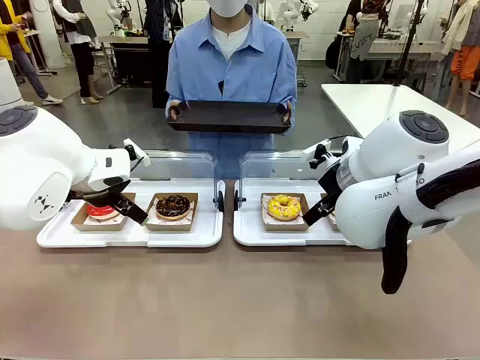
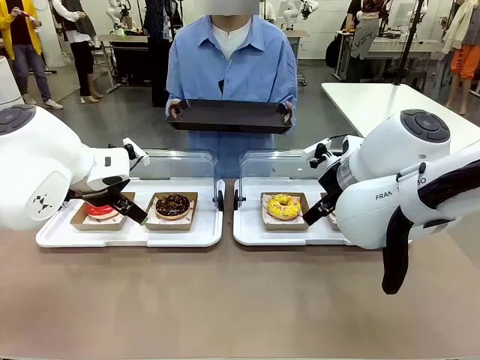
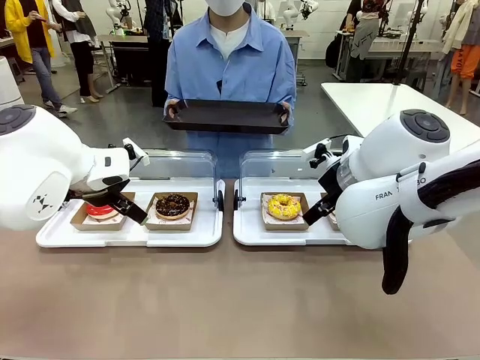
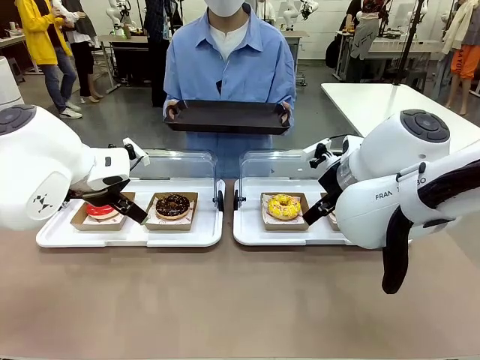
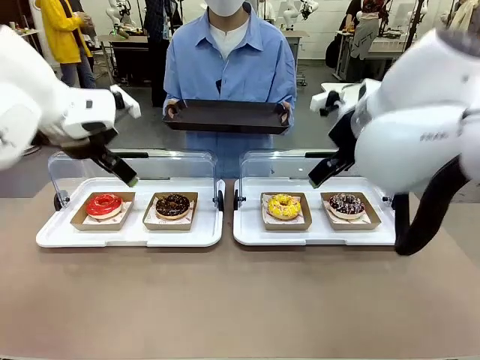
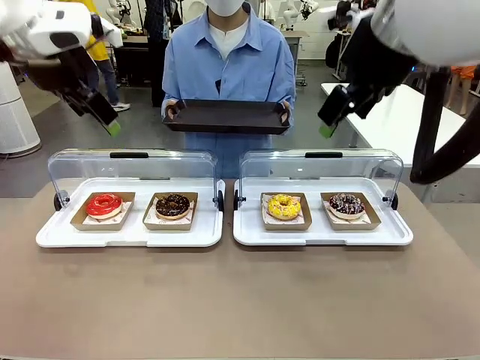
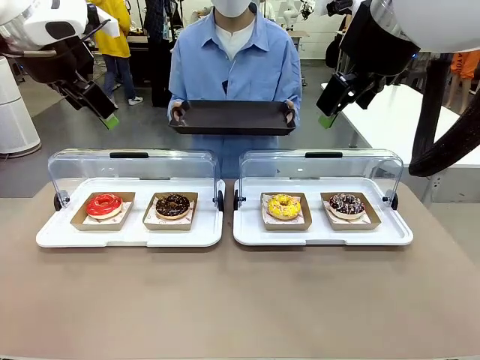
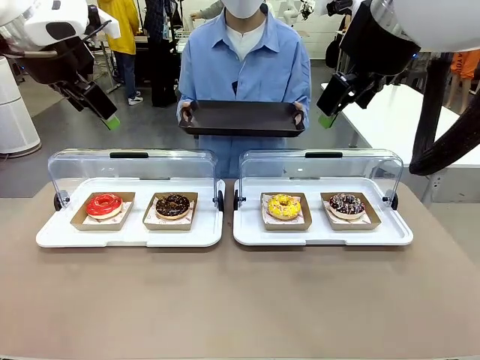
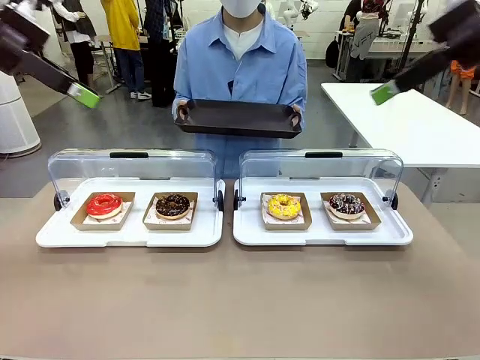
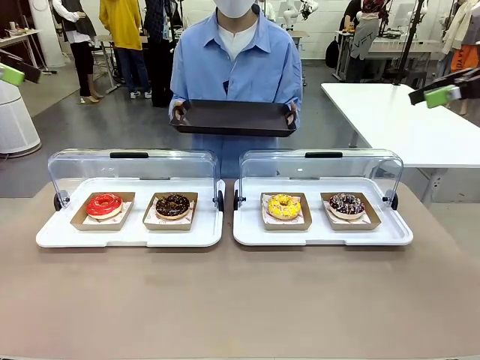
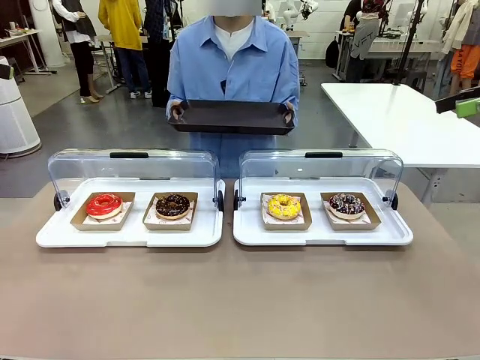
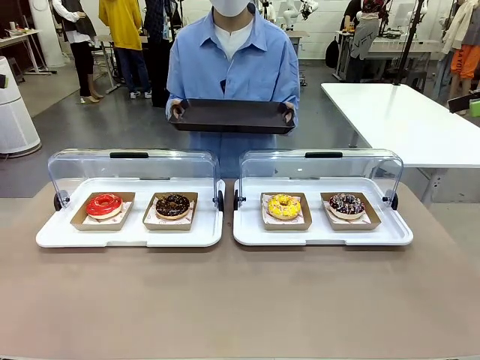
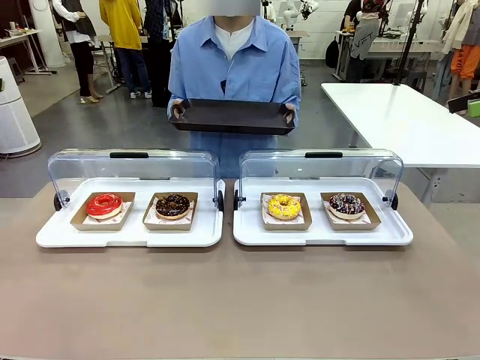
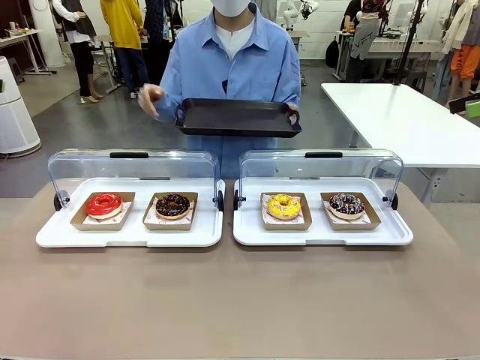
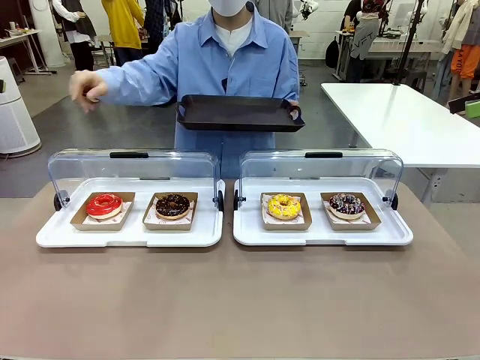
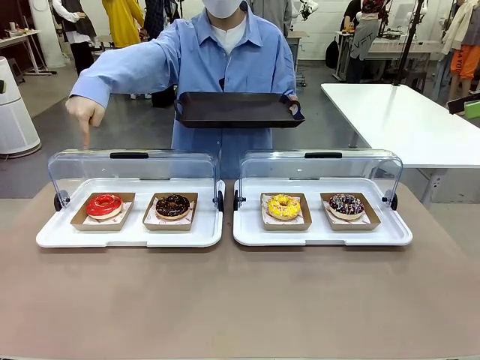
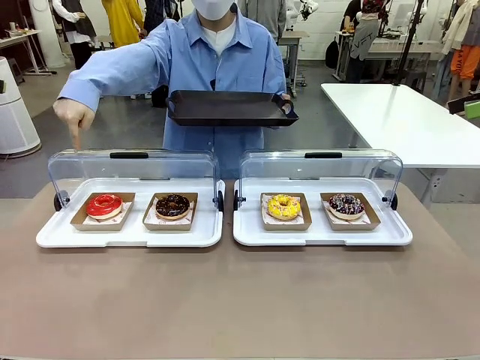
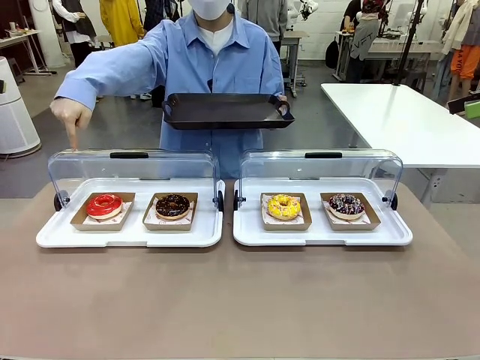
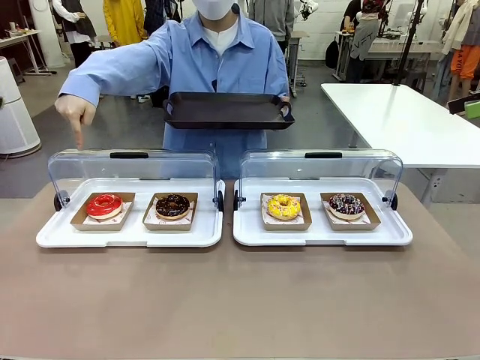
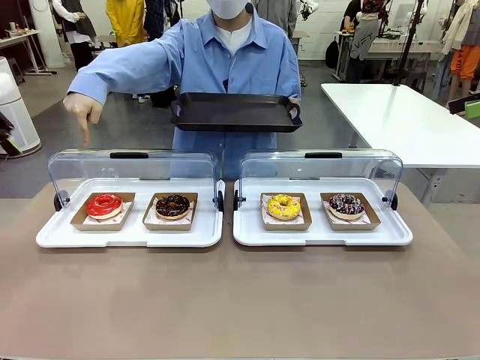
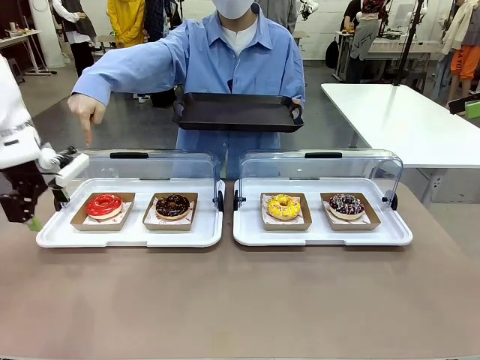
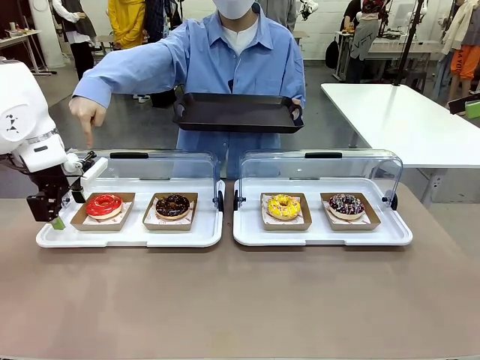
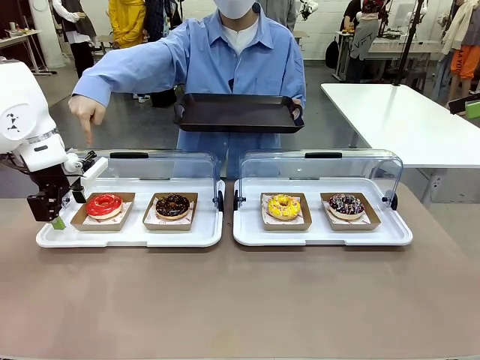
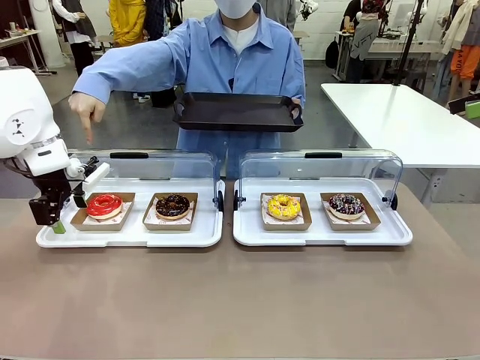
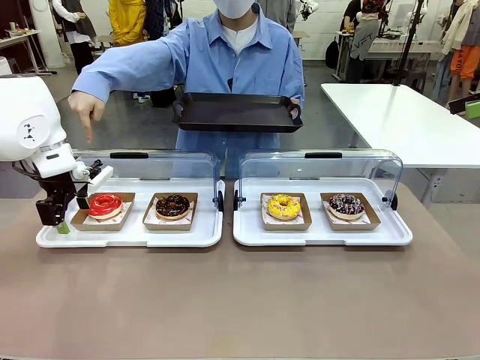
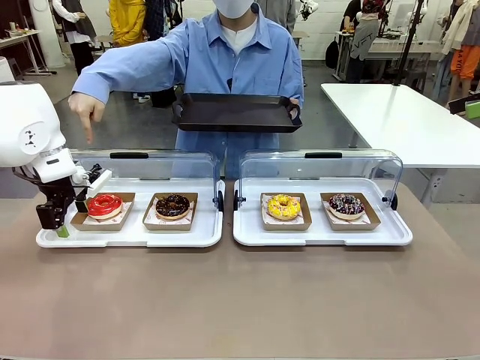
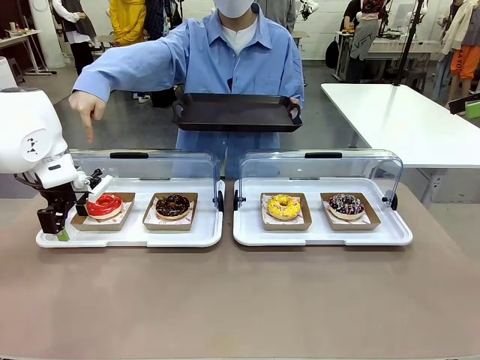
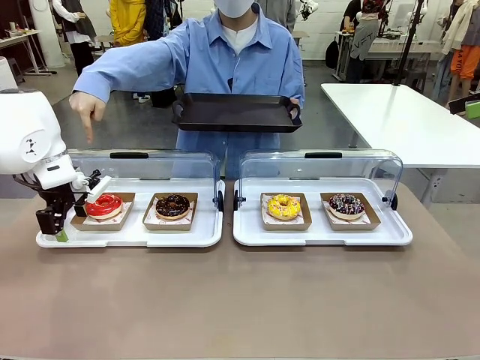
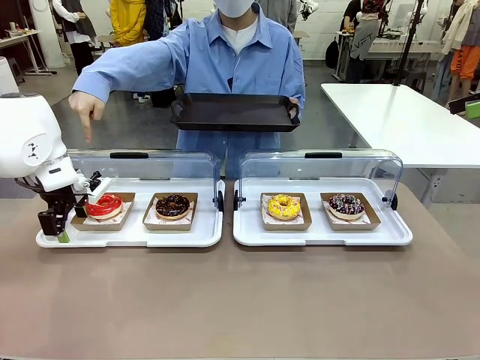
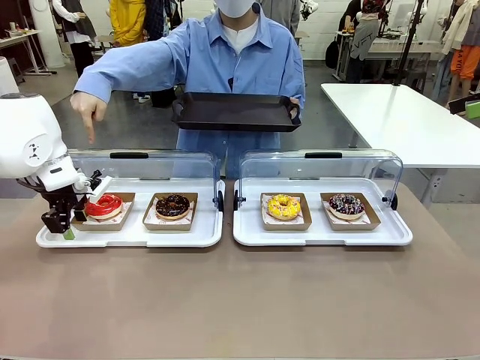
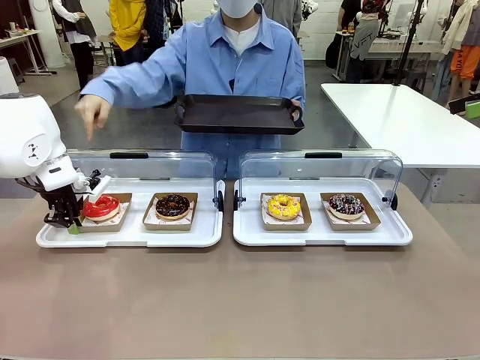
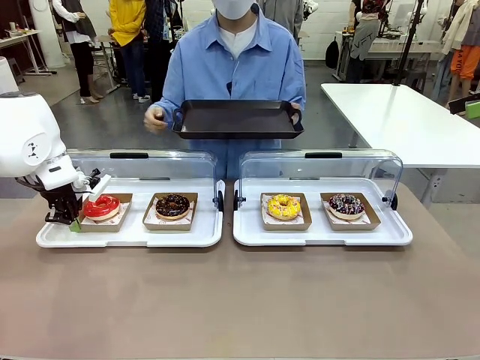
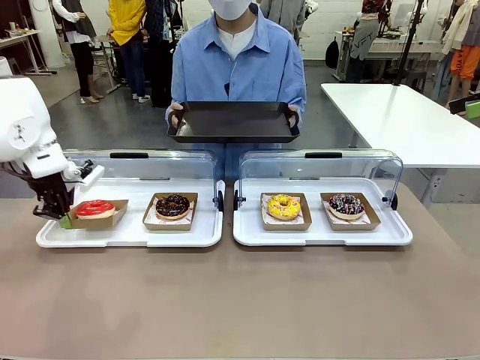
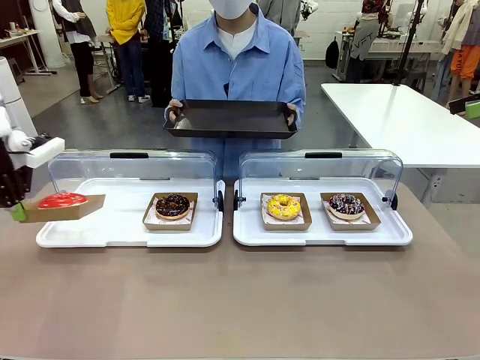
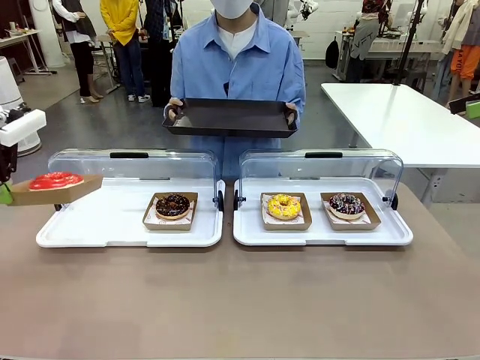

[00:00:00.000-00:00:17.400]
Task: Provide the desired donut to the person.
Robot: Pick up and lift the Paper togo box containing the Donut pointed at by the person.
Person: Point to one donut. Lift the tray onto the Roll-Top Bakery Case.

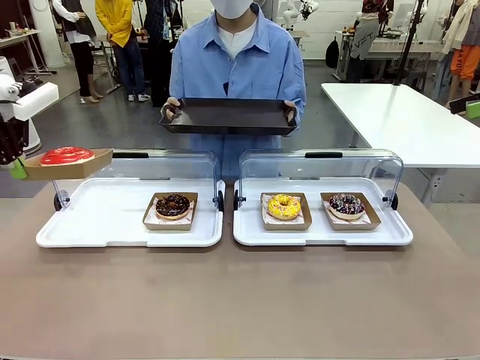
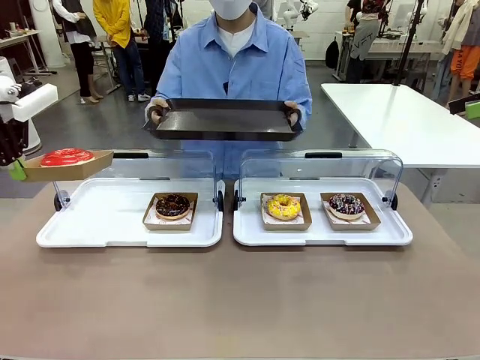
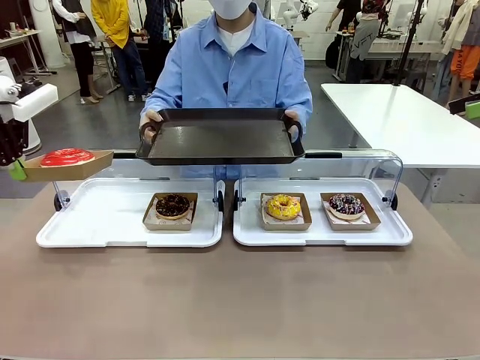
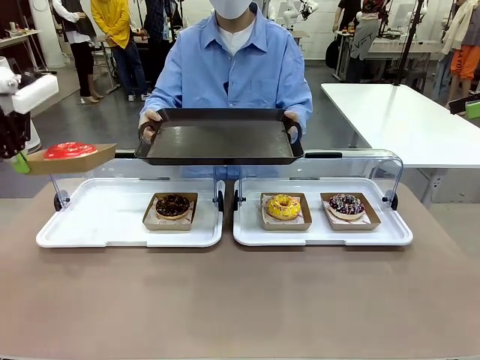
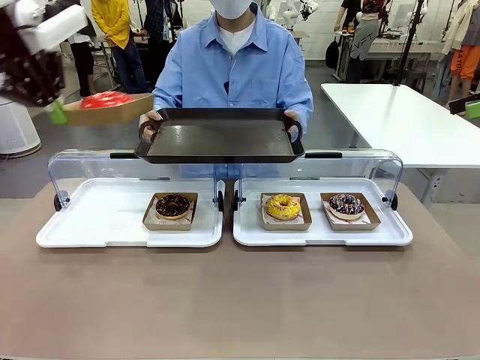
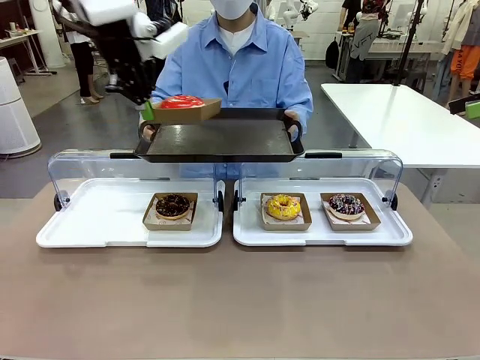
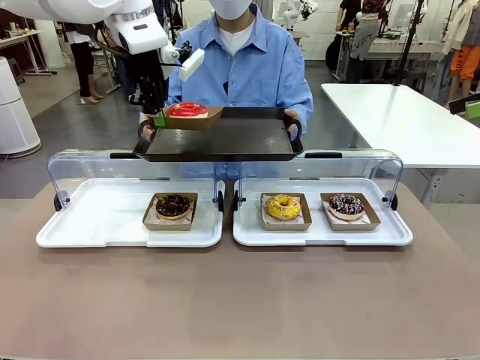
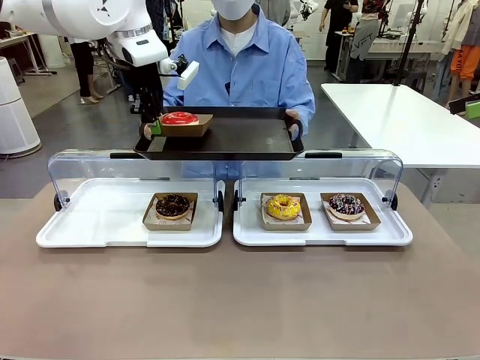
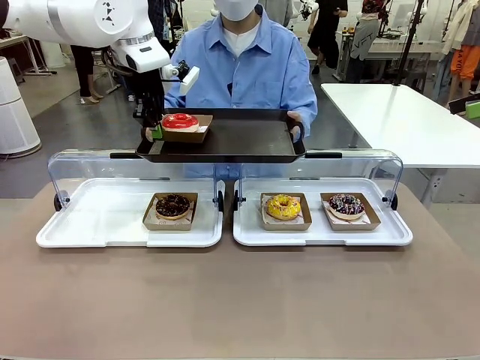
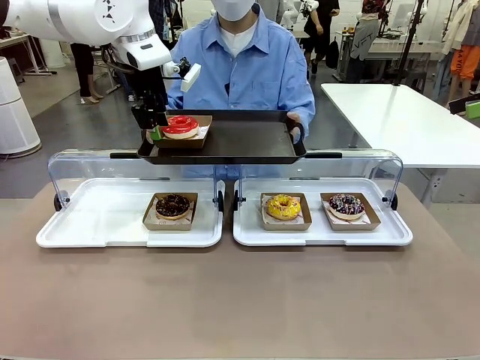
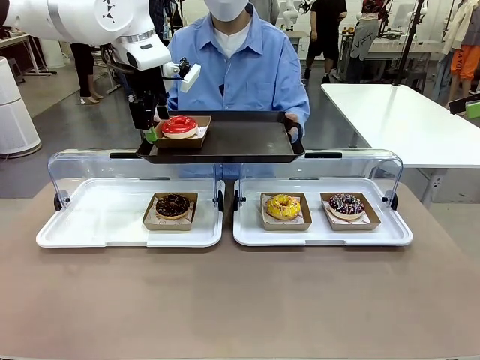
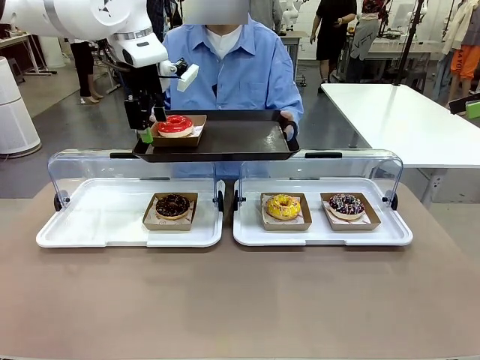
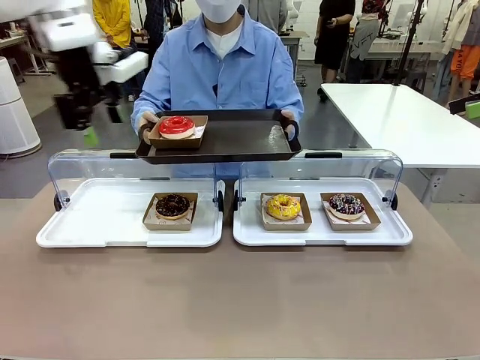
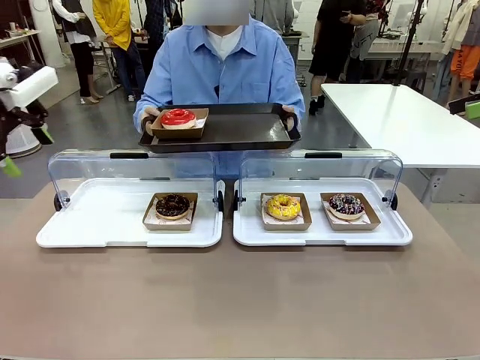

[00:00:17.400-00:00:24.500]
Robot: Place the picked Paper togo box onto the Handle tray extended by the person.
